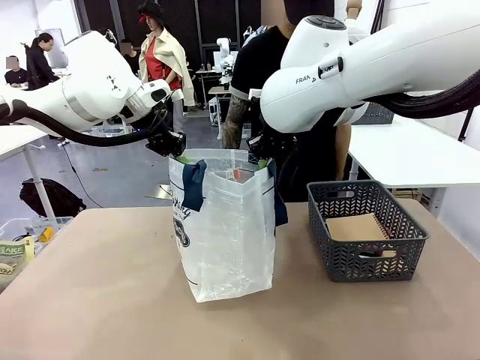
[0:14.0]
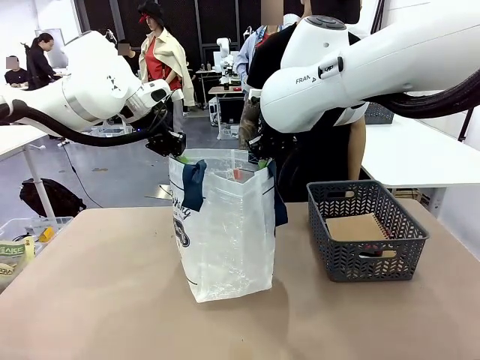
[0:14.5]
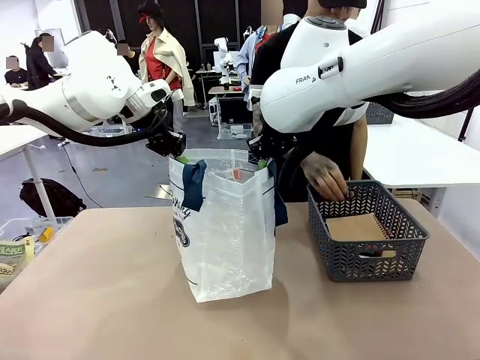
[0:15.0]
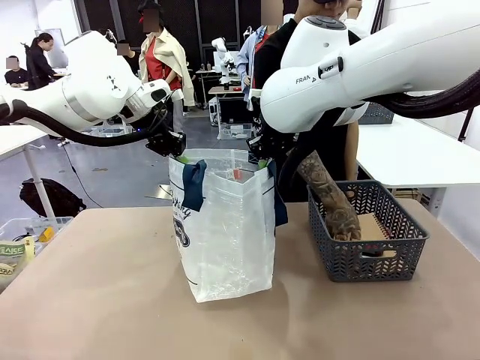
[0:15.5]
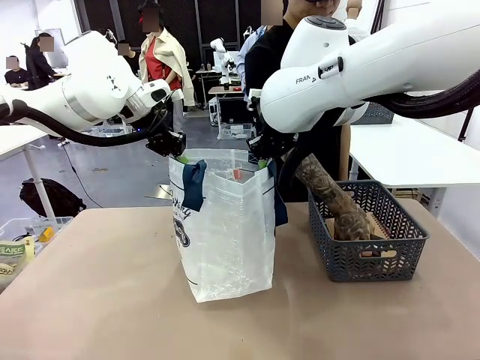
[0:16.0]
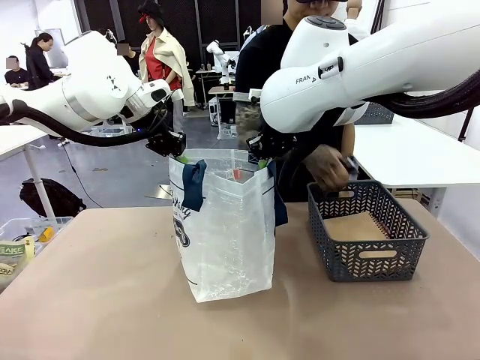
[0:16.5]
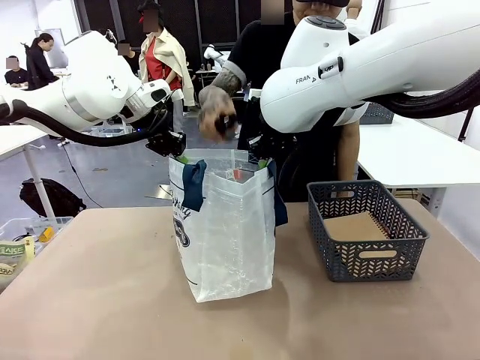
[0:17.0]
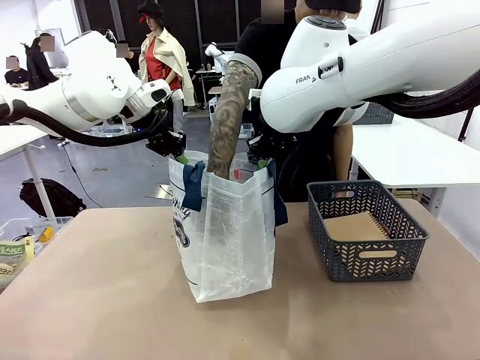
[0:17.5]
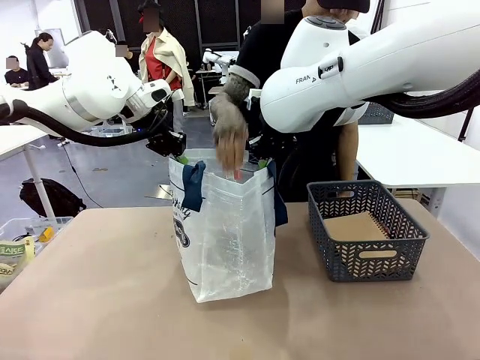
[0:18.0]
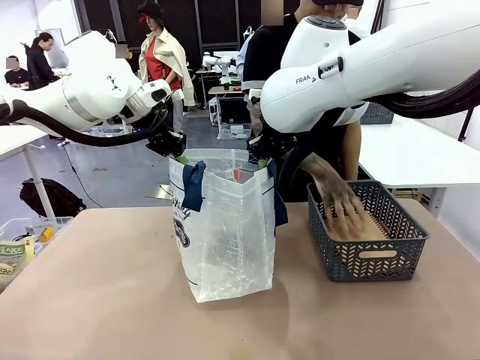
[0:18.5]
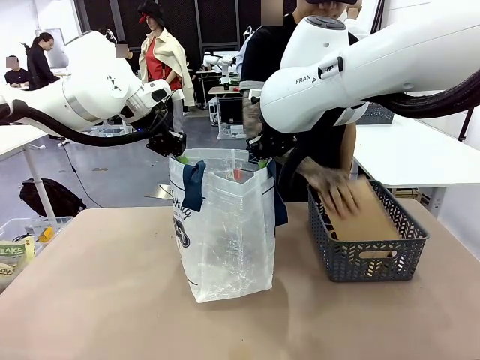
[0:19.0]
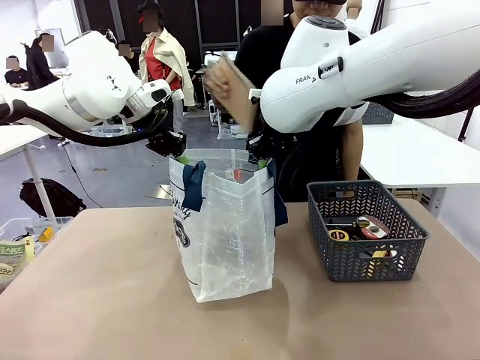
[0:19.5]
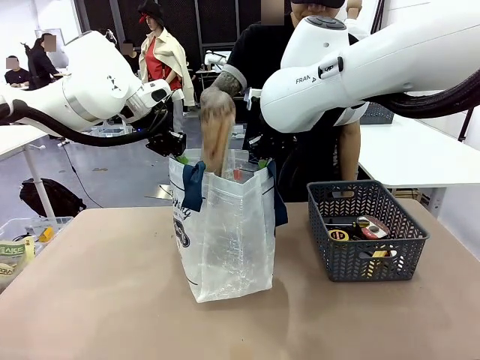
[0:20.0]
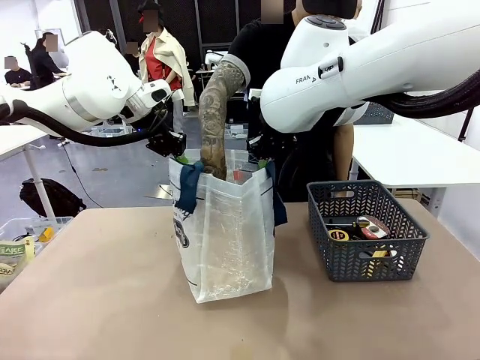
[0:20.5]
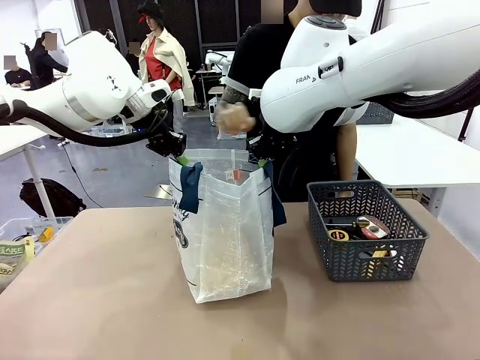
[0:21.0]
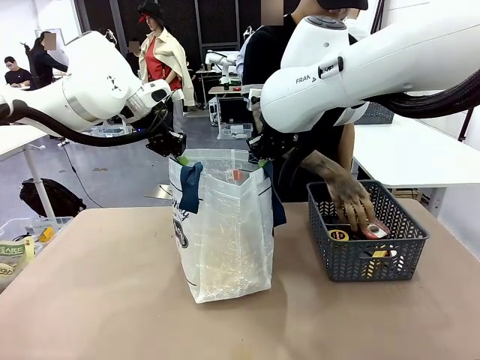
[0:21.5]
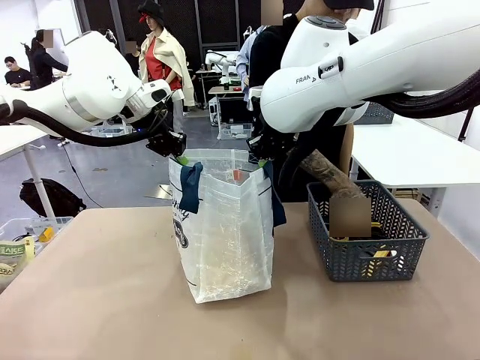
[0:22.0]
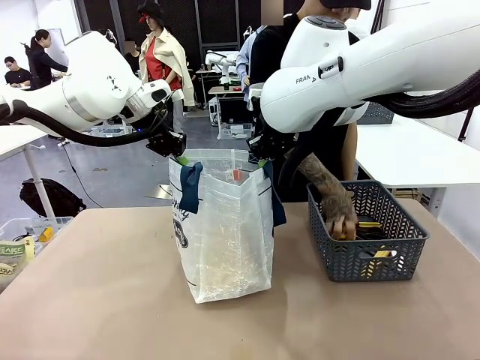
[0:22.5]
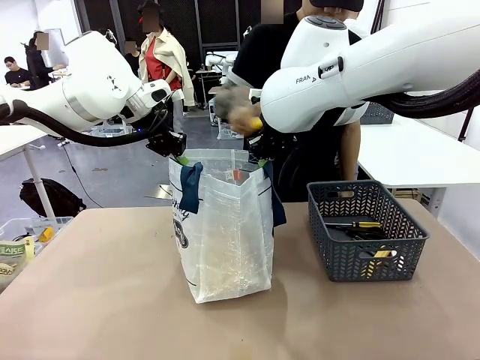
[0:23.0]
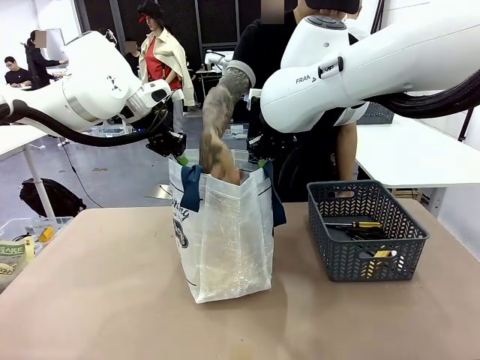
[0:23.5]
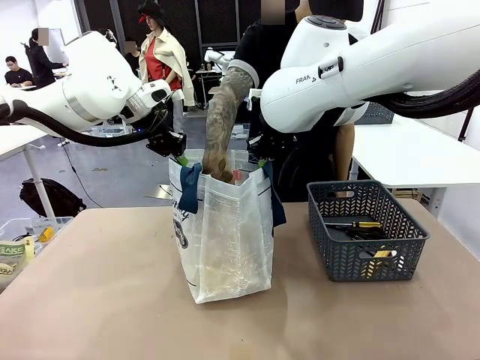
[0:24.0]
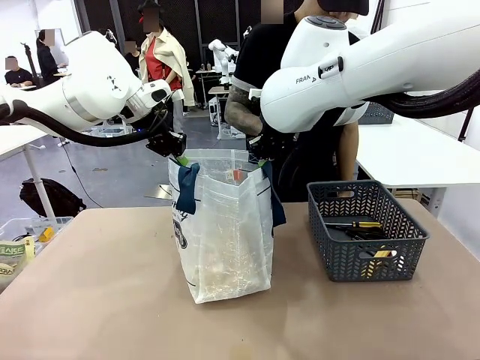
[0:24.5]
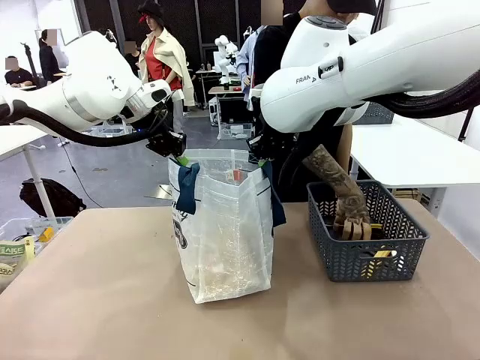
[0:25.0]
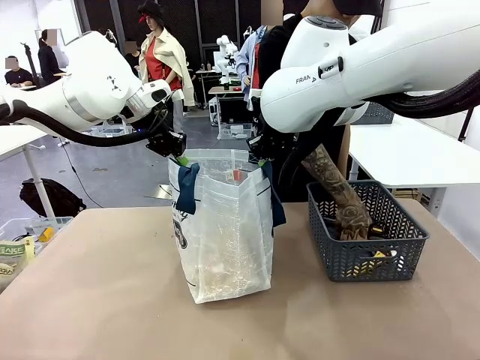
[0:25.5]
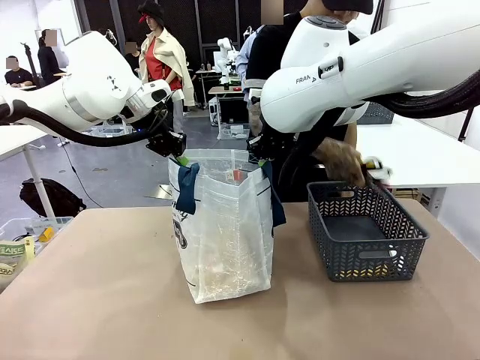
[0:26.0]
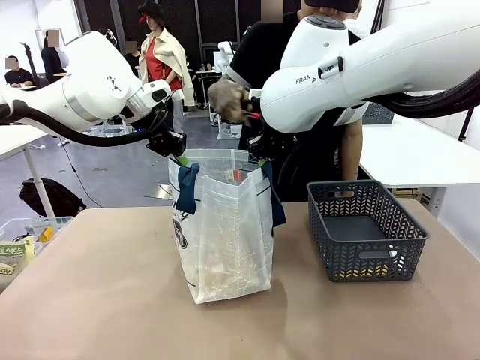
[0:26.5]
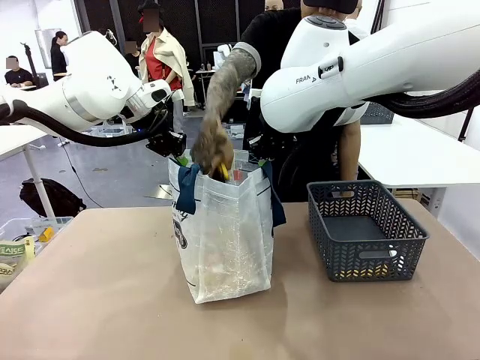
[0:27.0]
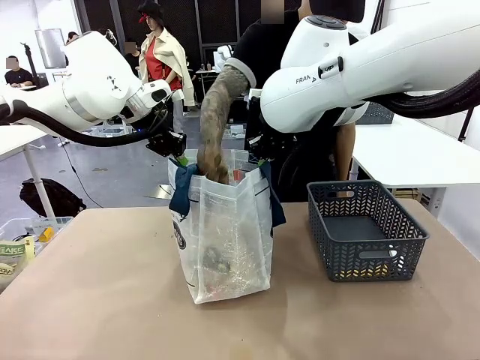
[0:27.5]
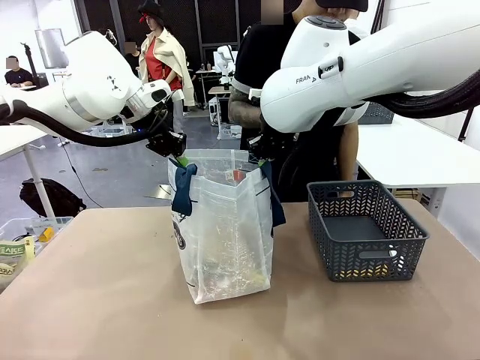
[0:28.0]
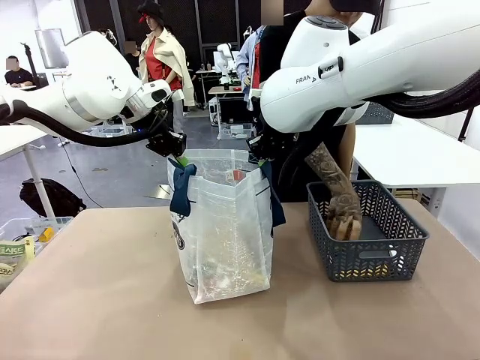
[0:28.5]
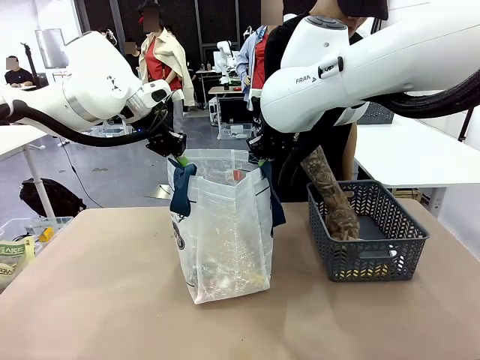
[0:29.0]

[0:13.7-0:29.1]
Task: Transfer purchased items from the store into the shopping bag.
Robot: Move the Reusable shopping bag to the right side of the table.
Person: Pick up the basket with the items out and place it on the right side of the human table.

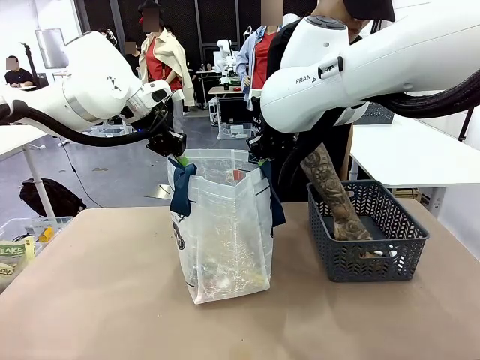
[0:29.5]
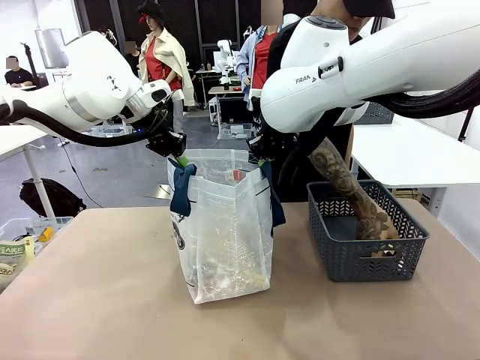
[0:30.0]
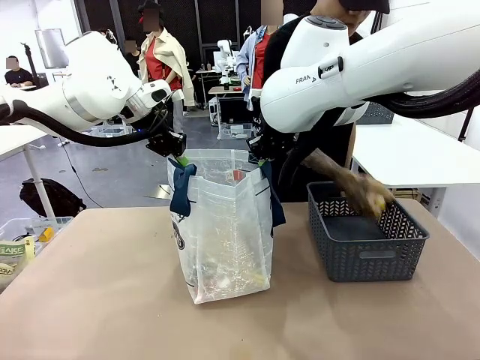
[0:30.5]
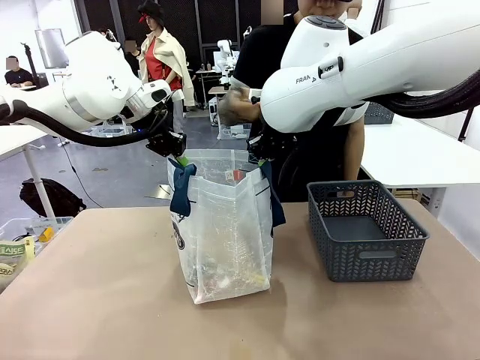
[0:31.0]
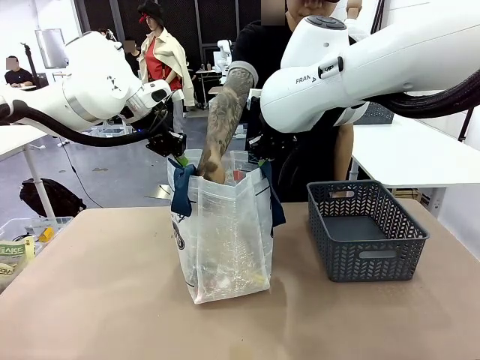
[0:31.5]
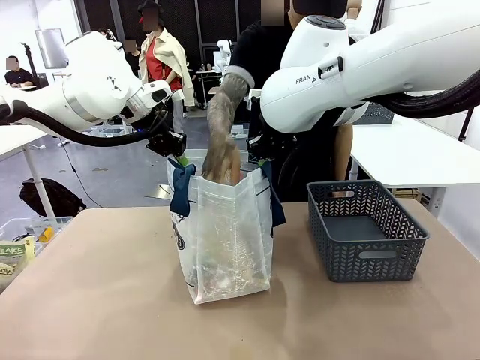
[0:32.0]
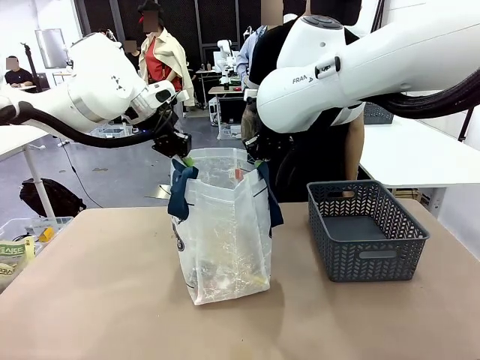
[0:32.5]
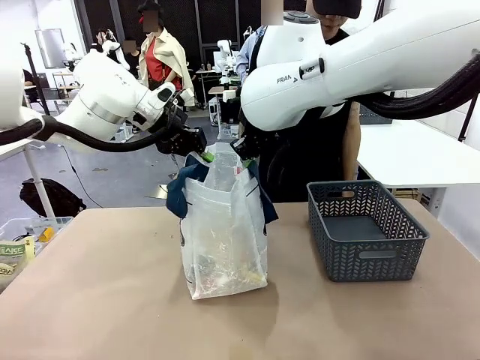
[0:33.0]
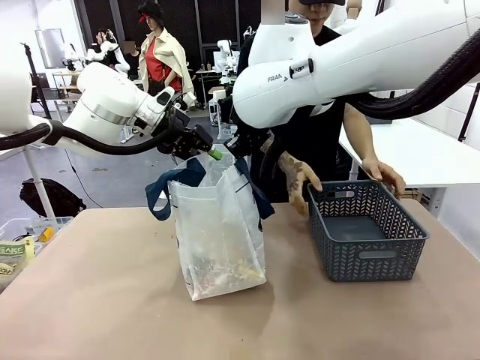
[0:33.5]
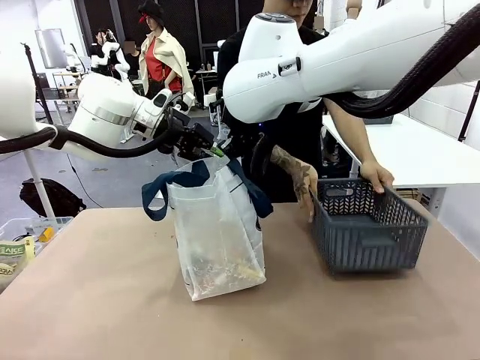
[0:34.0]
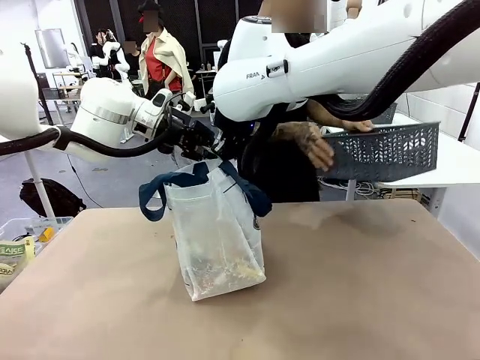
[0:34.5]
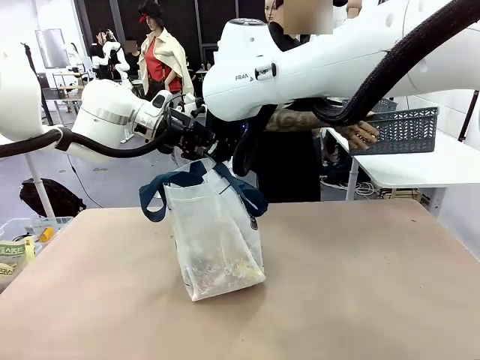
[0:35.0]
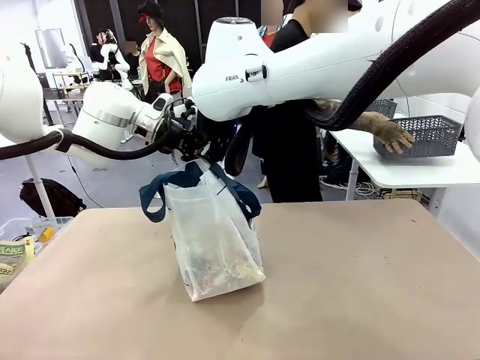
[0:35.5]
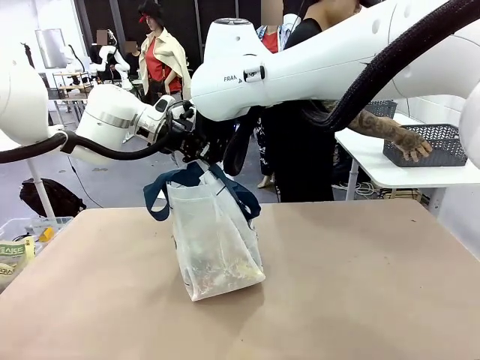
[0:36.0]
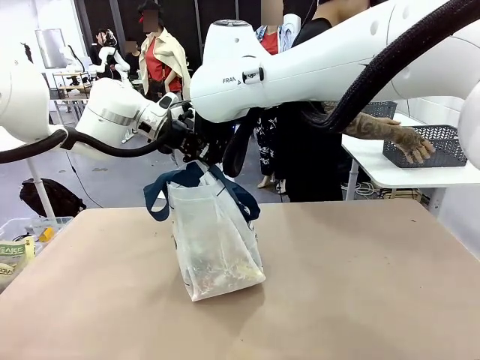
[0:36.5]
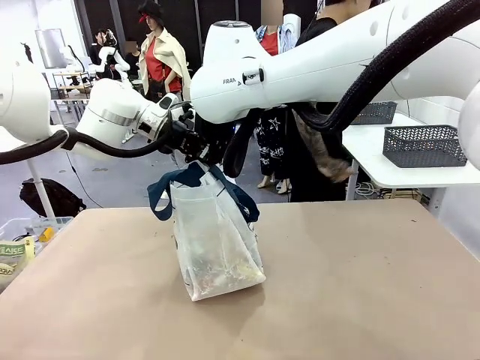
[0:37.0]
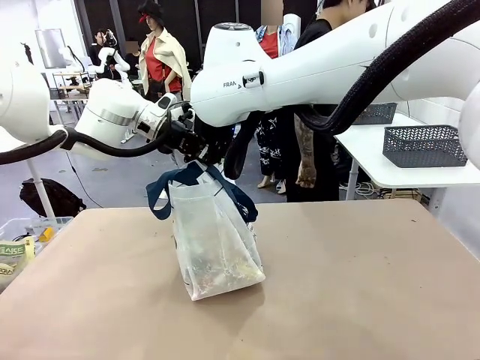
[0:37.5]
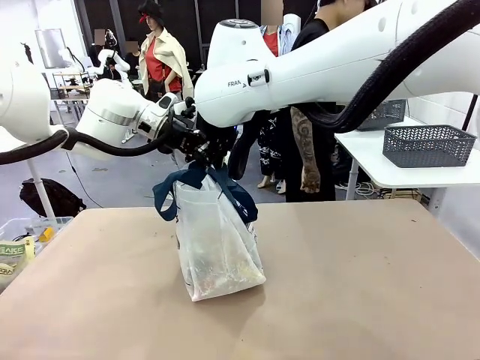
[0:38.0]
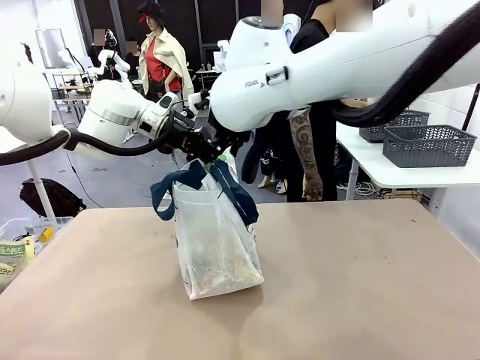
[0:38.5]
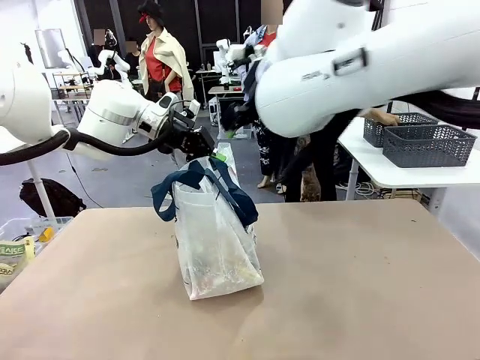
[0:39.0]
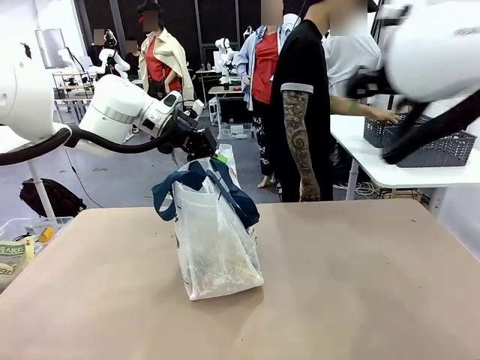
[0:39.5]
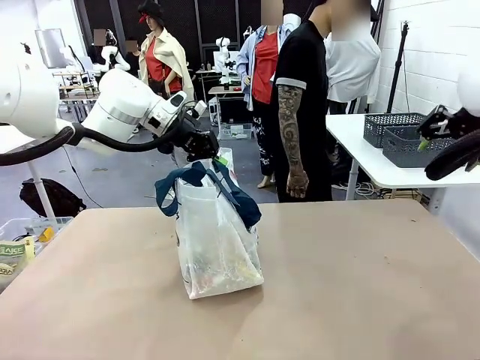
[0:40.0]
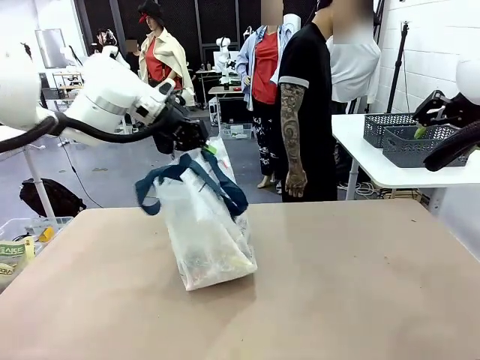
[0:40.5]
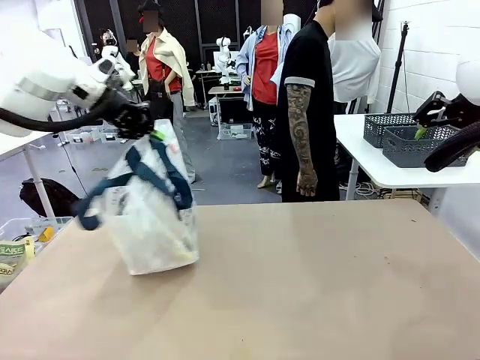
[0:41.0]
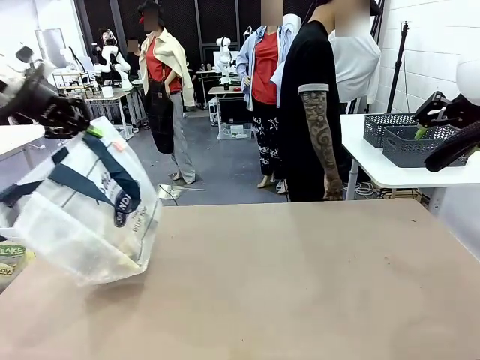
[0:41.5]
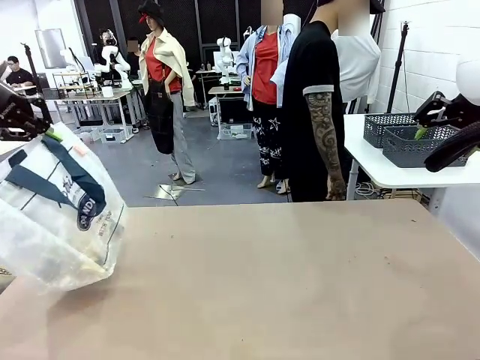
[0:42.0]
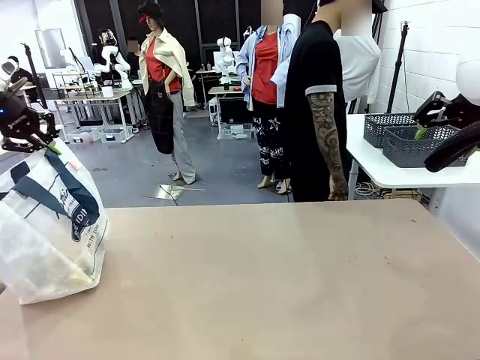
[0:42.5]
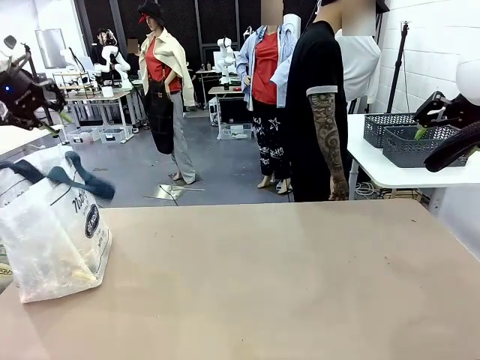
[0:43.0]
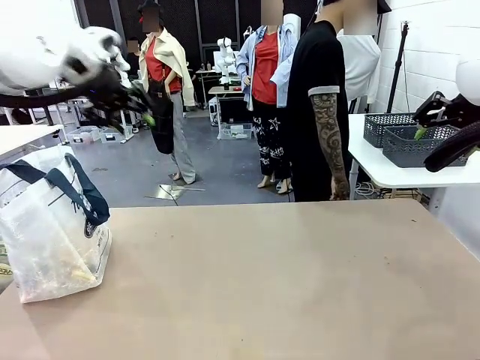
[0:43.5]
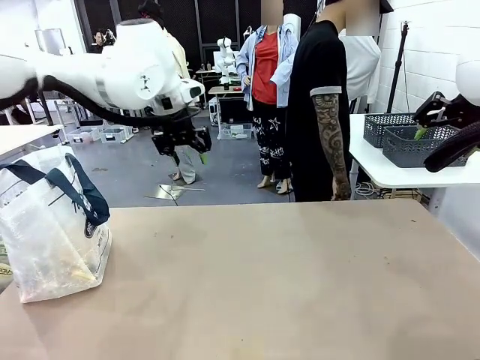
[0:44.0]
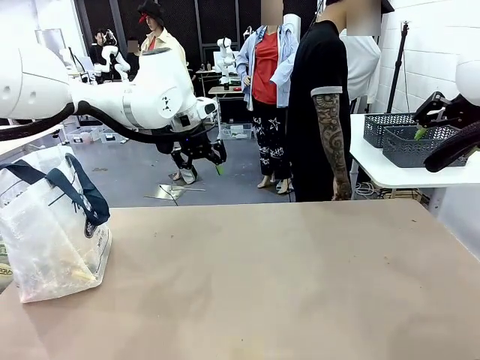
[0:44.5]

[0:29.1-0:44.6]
Robot: Move the Reusable shopping bag to the right side of the table.
Person: Move the basket on the left to the middle of the person's table.
